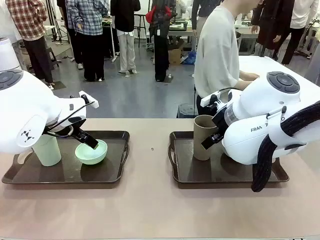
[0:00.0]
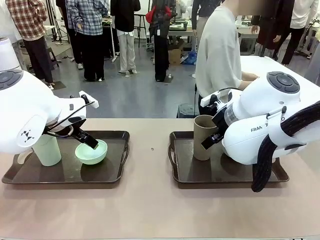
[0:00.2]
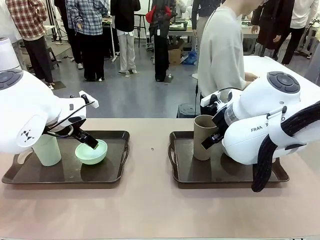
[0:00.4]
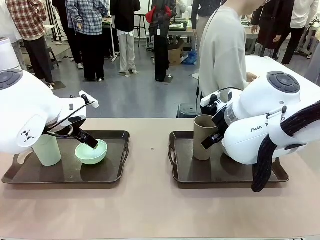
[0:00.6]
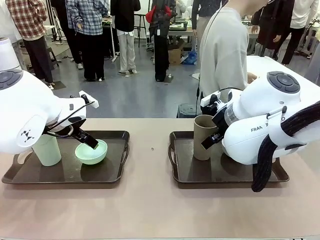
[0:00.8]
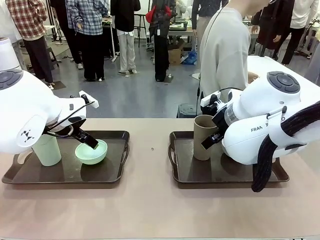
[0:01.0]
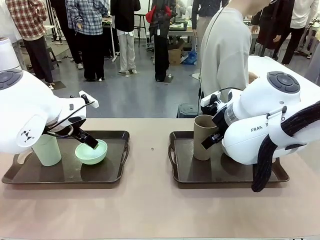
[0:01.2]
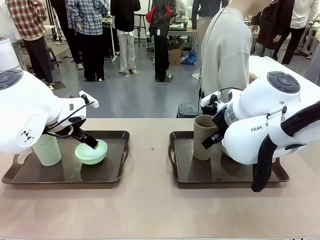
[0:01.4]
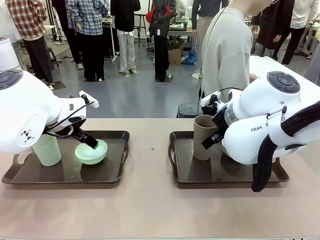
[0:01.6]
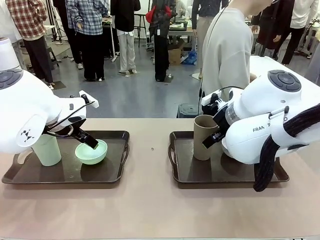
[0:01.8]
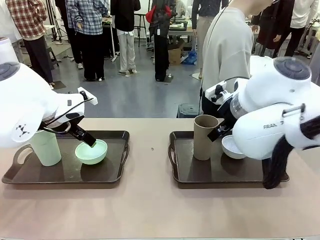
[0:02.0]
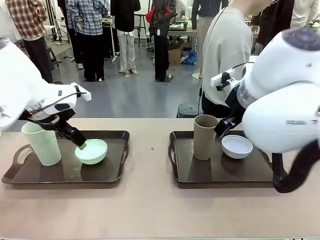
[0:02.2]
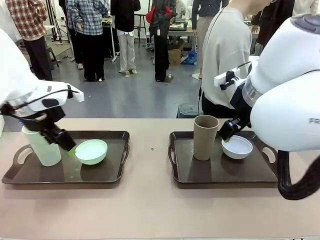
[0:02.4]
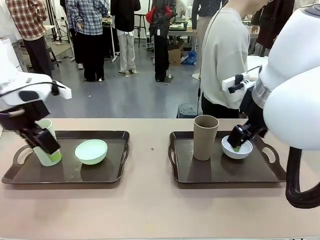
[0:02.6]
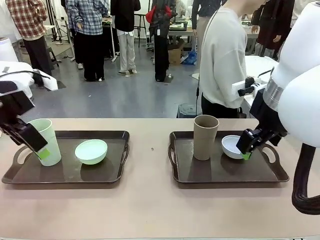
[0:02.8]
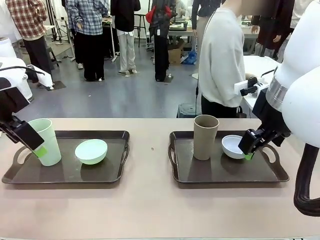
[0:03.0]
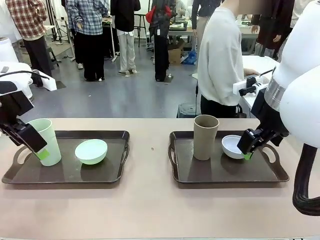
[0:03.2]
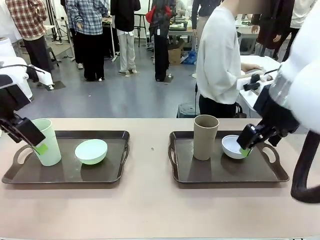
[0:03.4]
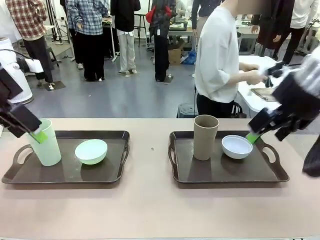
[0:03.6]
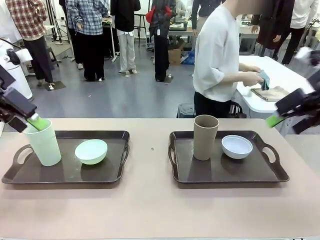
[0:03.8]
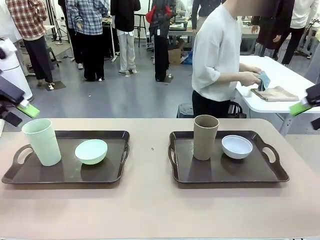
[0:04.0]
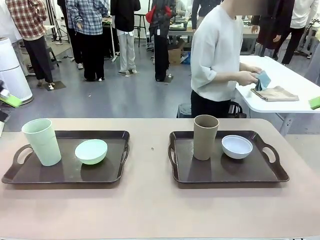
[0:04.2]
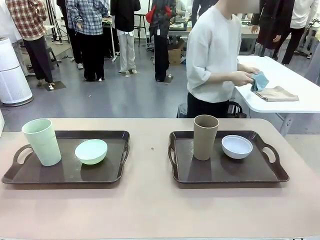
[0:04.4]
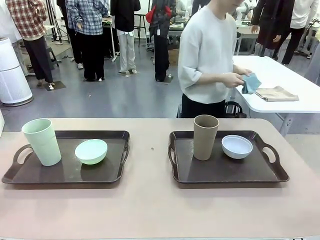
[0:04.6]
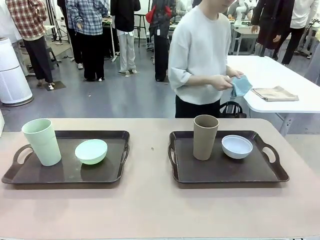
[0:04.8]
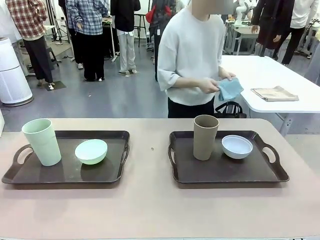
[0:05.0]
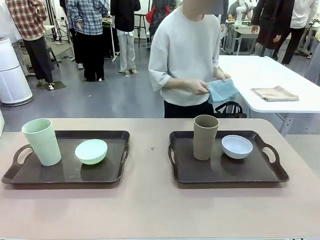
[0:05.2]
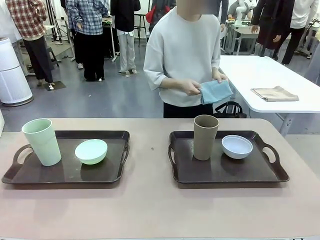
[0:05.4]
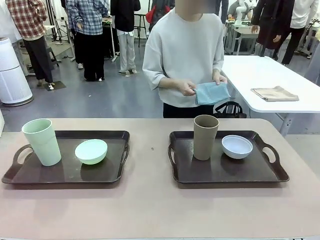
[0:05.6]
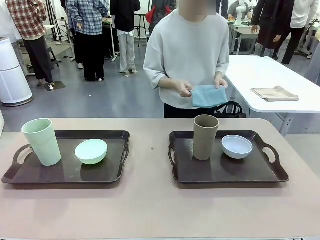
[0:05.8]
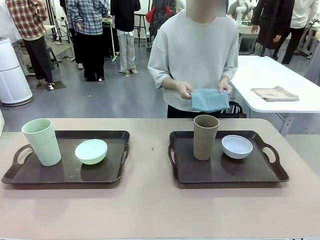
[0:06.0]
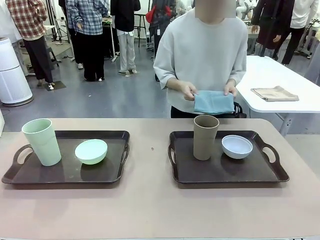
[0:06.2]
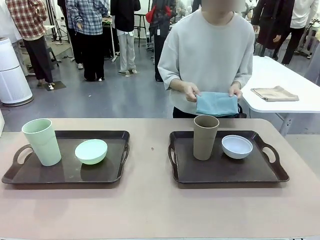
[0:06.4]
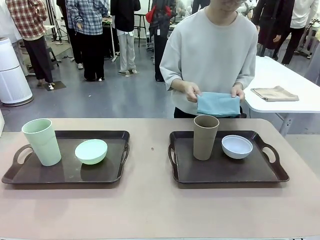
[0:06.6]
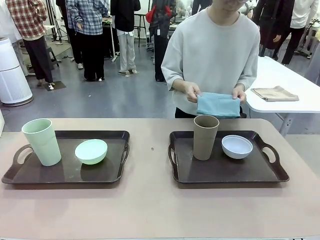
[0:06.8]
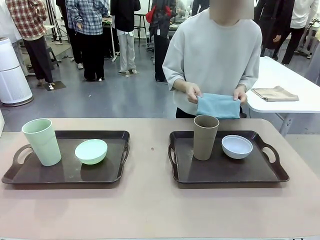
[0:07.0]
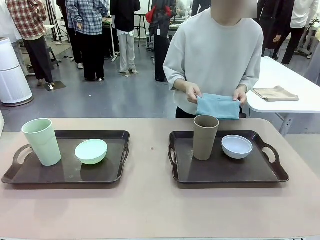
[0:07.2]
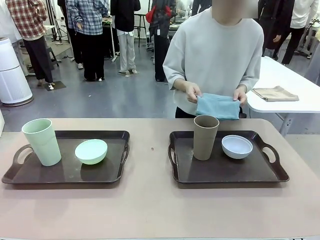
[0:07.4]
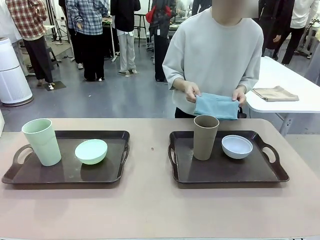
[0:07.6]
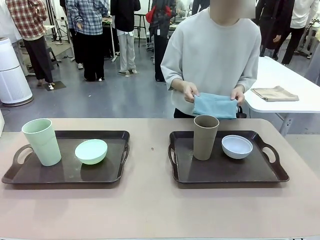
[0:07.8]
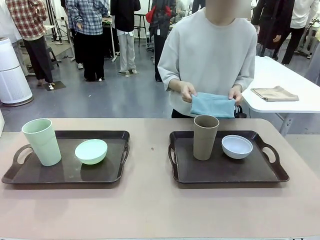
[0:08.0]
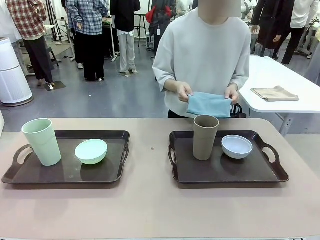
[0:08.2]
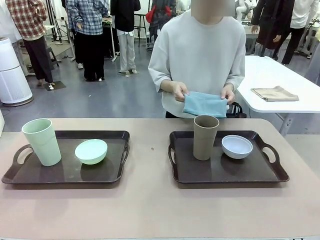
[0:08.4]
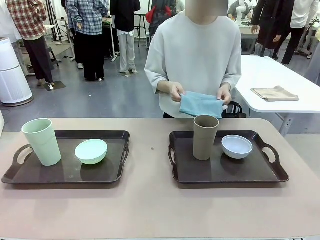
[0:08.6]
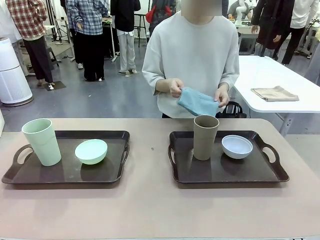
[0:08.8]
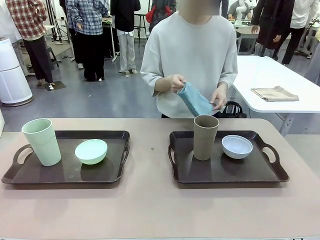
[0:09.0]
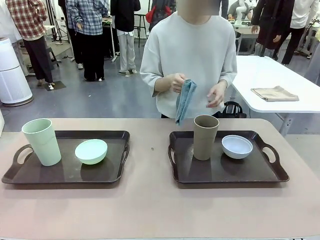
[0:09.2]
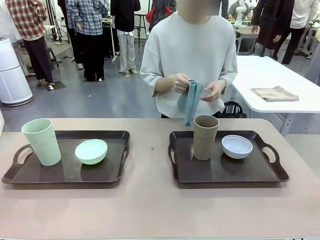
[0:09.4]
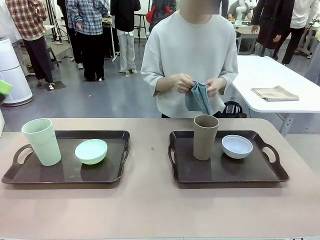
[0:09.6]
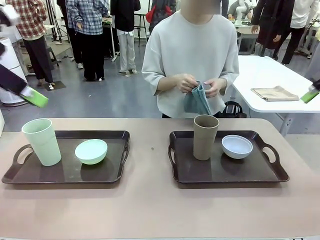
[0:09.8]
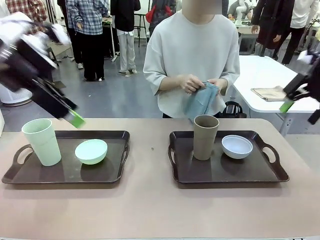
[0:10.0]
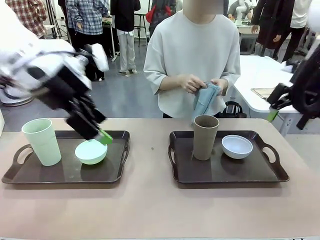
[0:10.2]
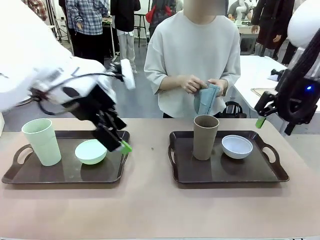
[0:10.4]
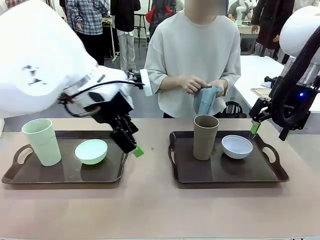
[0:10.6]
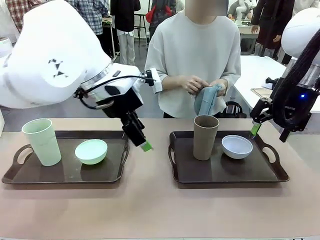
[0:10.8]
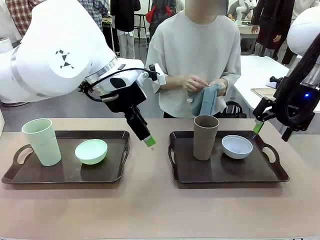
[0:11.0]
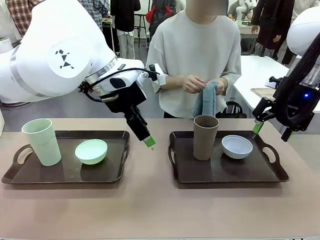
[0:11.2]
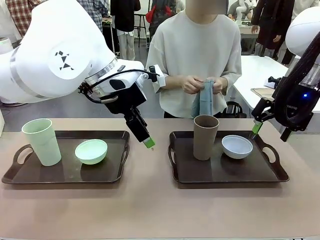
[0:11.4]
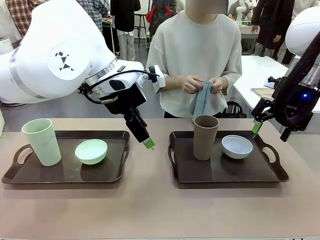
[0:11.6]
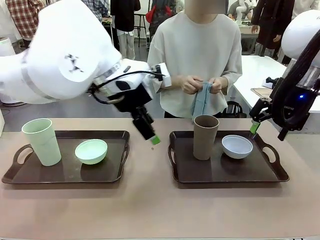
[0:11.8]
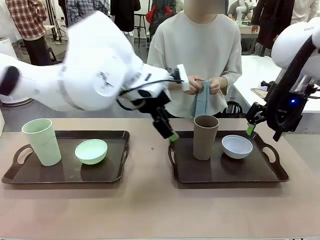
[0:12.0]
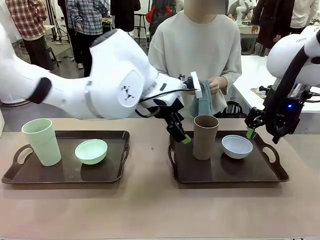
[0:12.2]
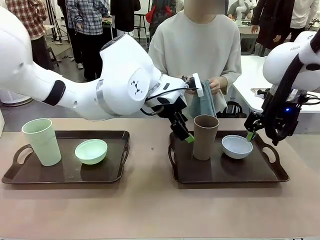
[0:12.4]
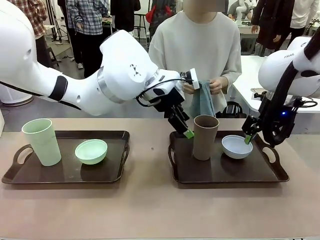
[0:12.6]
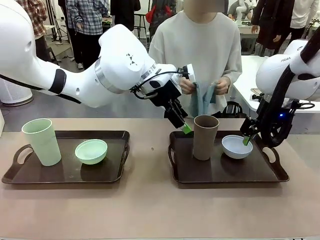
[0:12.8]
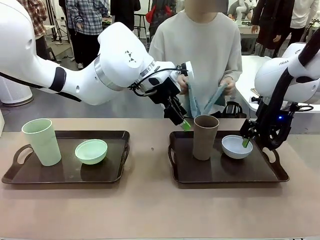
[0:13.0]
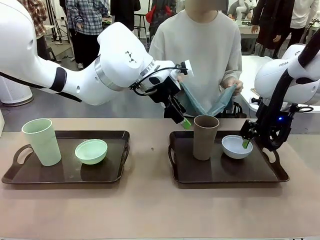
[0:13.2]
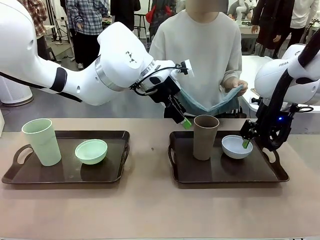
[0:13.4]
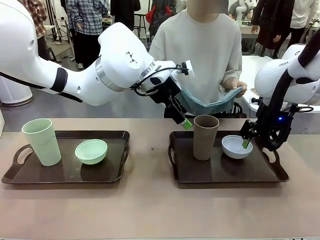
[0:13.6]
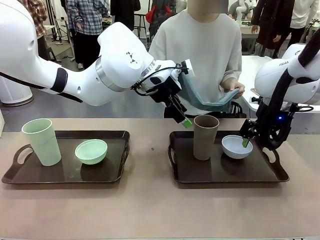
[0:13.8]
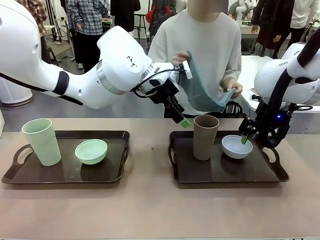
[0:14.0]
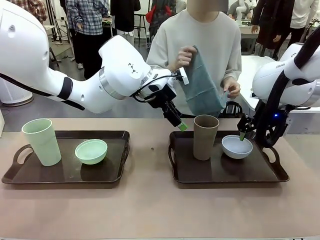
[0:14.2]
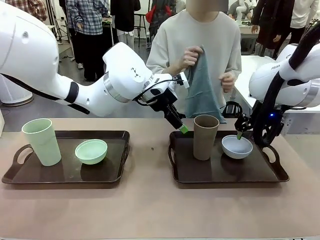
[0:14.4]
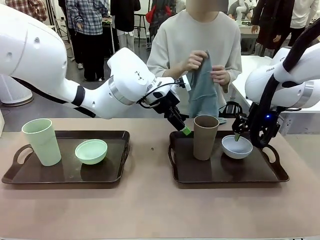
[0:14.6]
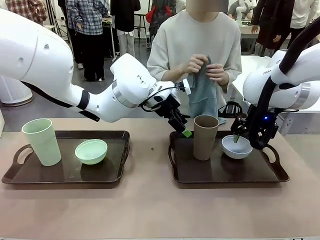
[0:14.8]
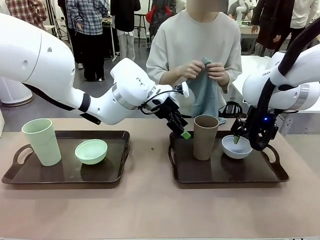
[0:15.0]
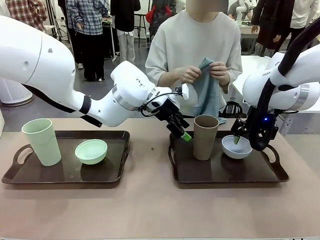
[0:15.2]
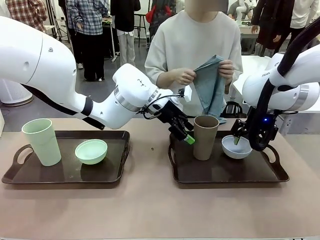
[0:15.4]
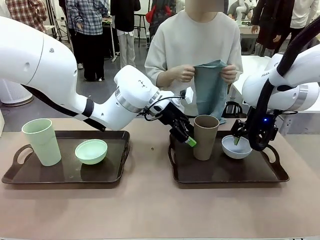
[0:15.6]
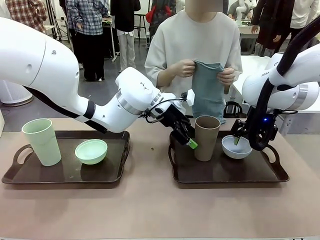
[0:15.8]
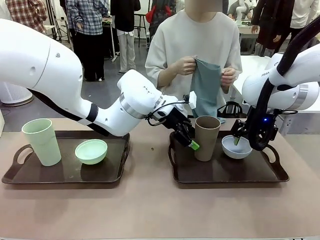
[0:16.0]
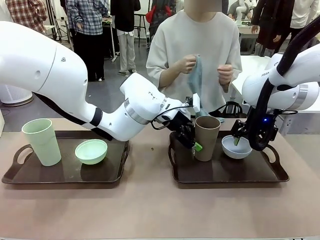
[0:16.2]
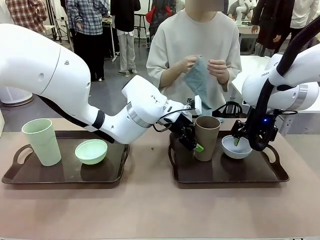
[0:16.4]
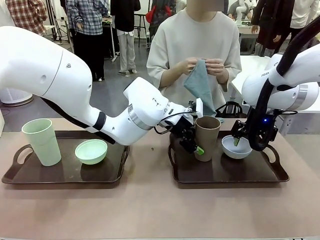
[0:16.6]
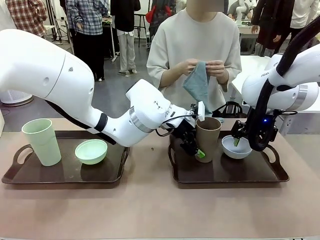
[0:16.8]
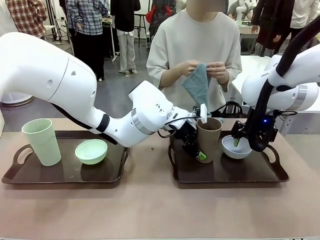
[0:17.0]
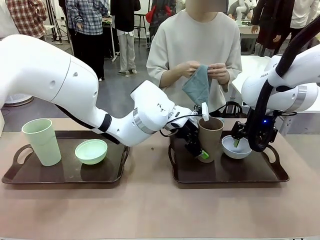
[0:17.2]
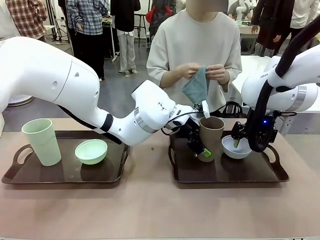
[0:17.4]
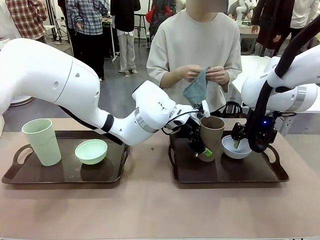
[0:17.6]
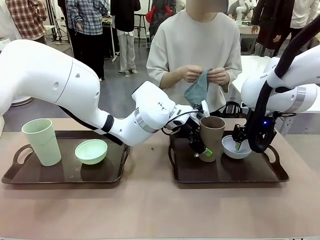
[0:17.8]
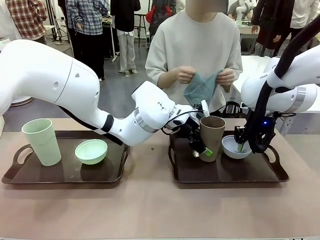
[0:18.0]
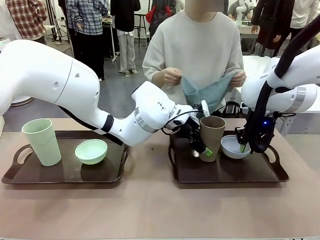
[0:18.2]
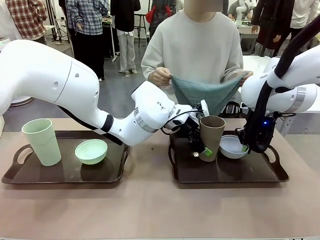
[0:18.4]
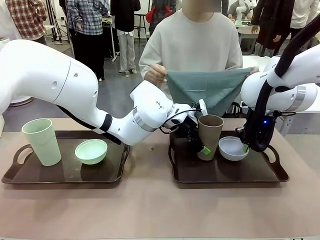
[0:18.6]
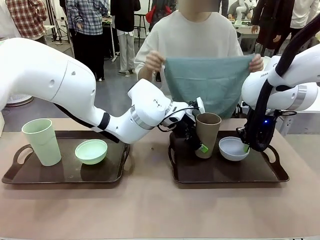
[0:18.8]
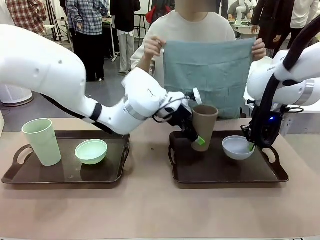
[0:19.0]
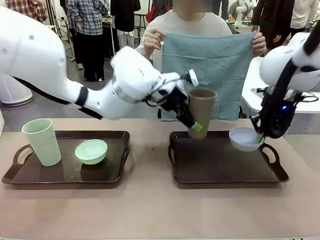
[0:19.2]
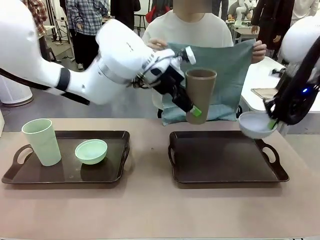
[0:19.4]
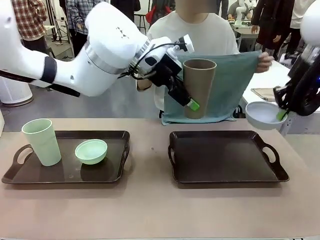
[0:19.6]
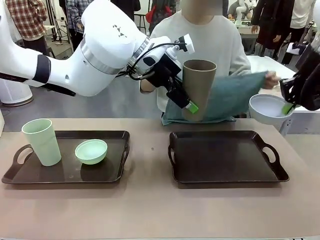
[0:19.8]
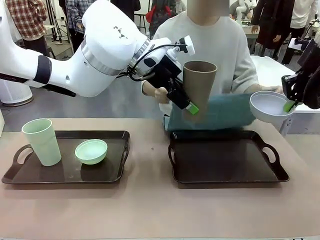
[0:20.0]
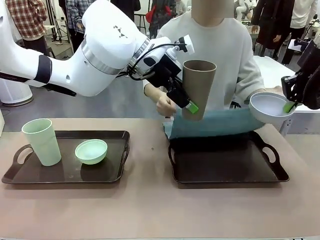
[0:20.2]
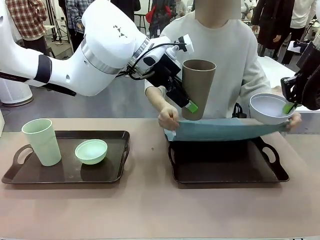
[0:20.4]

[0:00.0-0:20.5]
Robot: Pick up the Picnic Bowl and Reusable plastic cup from the Handle tray in front of the human's position and hold them in the air.
Person: The human picks up the top napkin from the stack on the human table and walks to the robot table to stand in front of one of the two trays. When the robot lifts the bowl and the cup, the human unfolds the napkin and lays the napkin flat on the tray.
